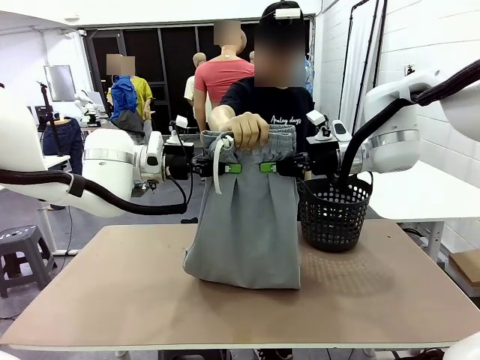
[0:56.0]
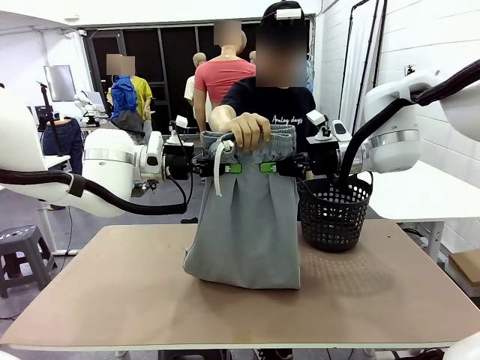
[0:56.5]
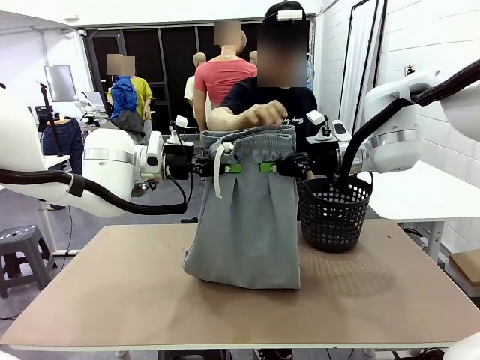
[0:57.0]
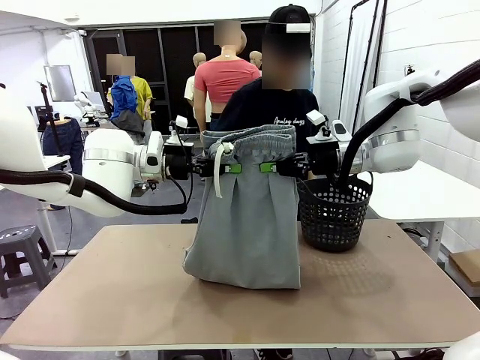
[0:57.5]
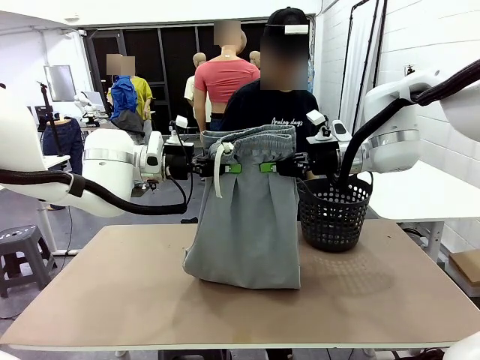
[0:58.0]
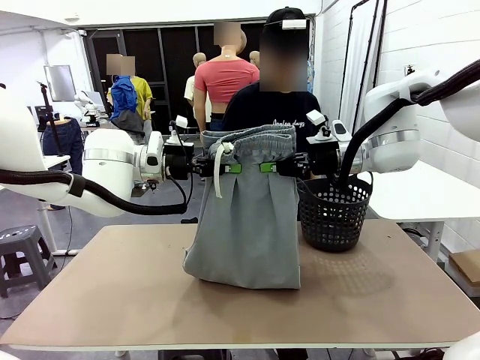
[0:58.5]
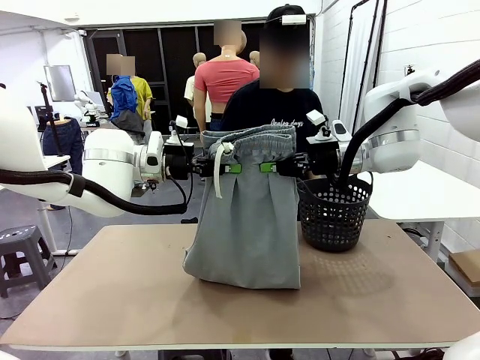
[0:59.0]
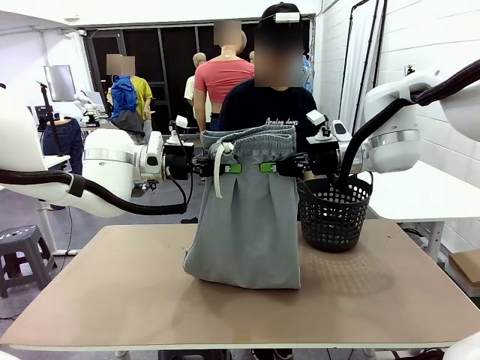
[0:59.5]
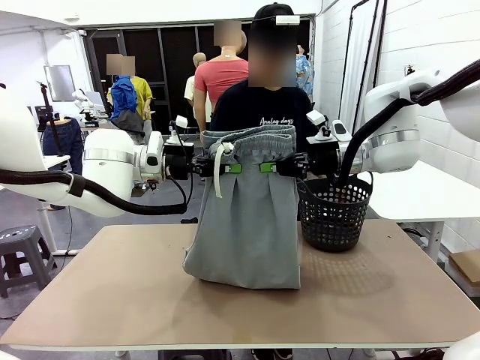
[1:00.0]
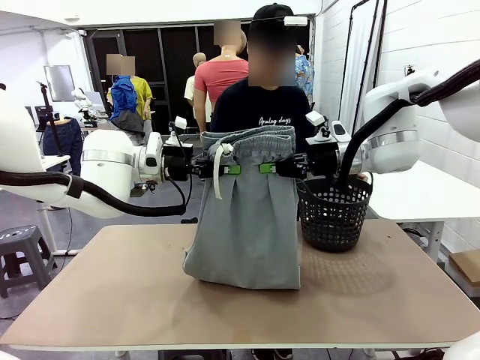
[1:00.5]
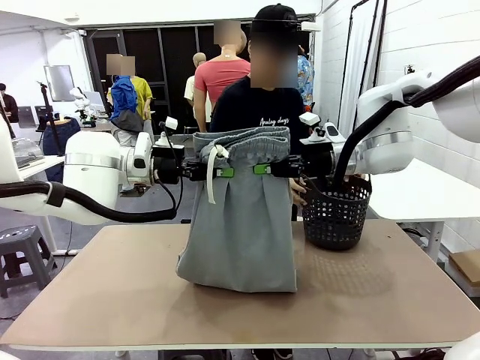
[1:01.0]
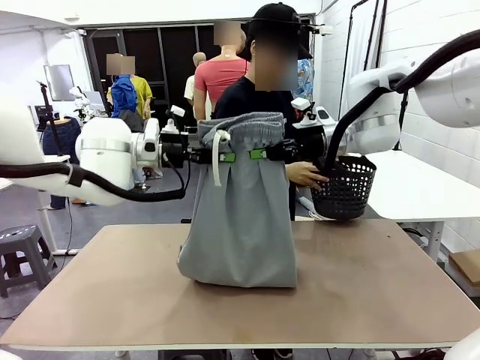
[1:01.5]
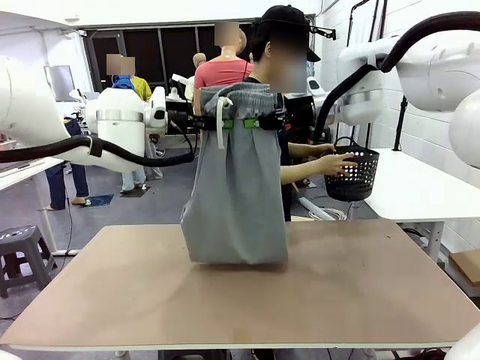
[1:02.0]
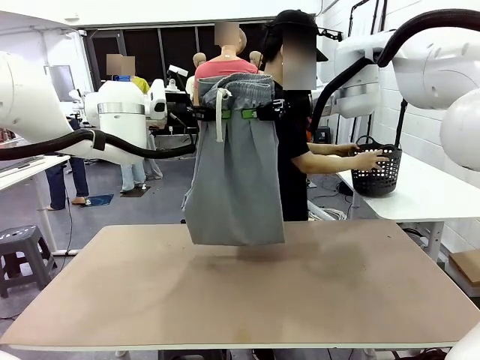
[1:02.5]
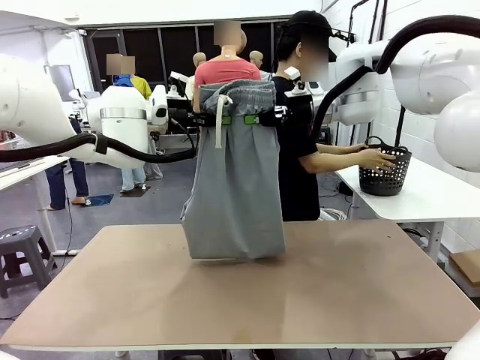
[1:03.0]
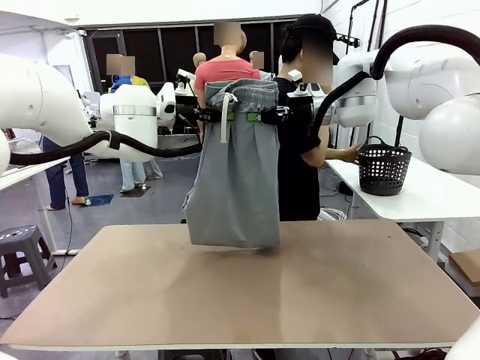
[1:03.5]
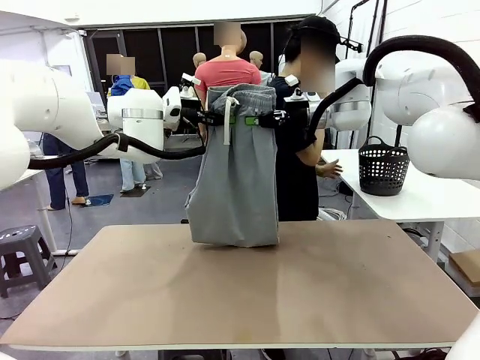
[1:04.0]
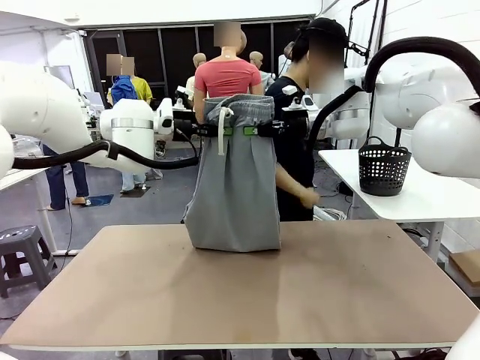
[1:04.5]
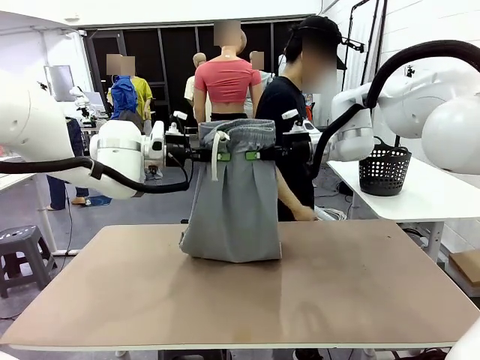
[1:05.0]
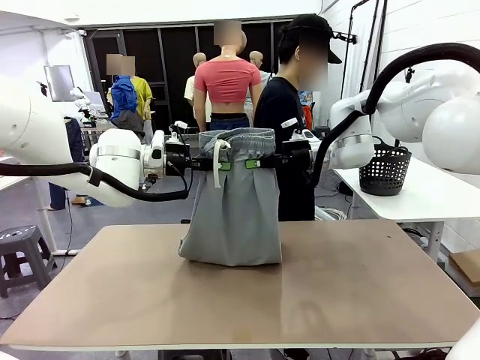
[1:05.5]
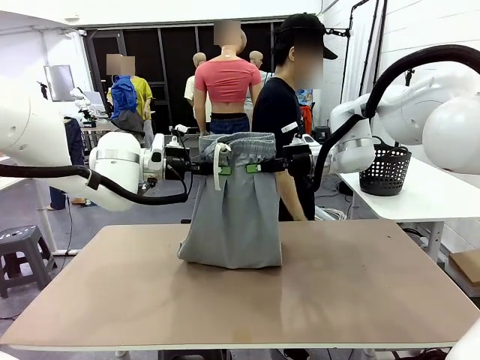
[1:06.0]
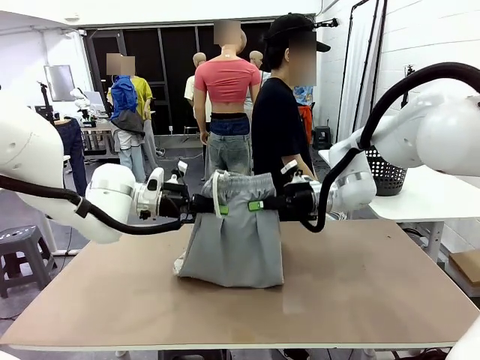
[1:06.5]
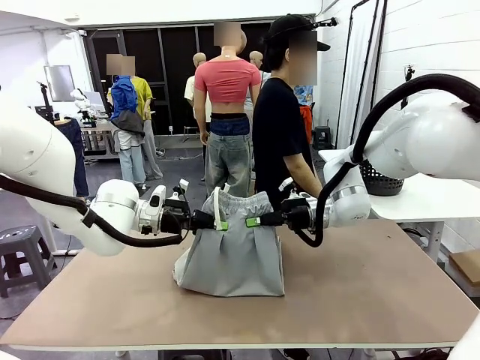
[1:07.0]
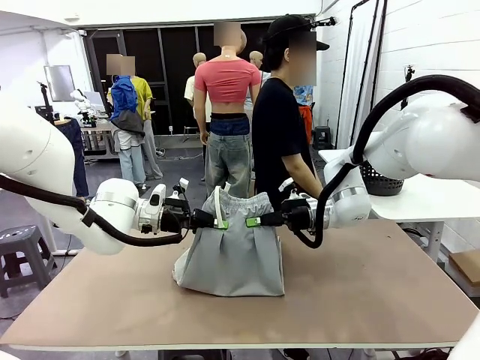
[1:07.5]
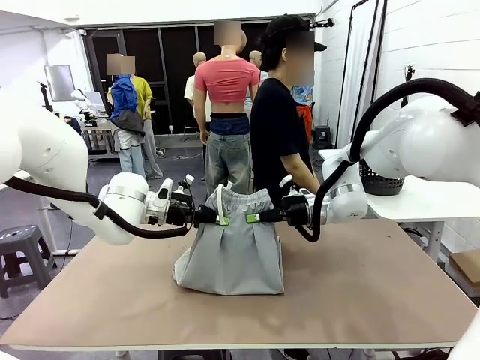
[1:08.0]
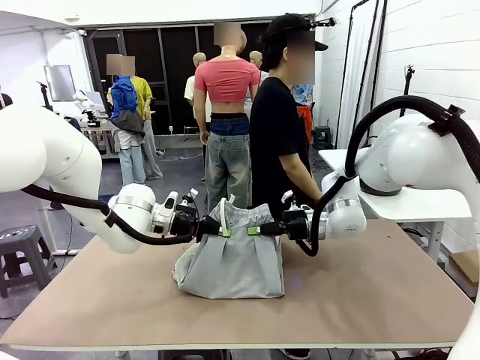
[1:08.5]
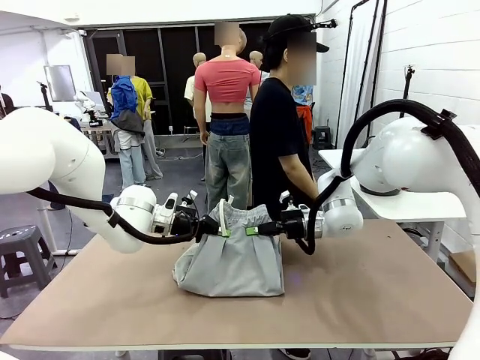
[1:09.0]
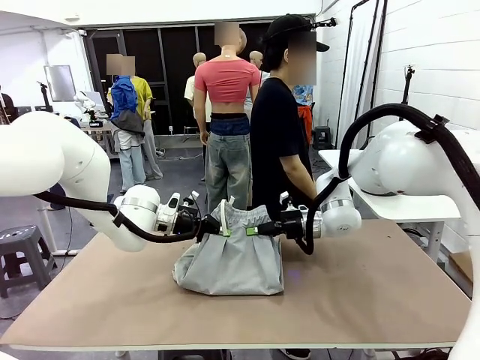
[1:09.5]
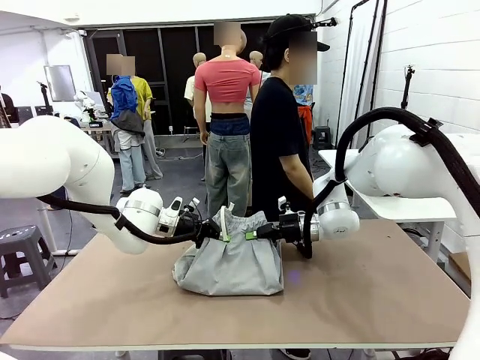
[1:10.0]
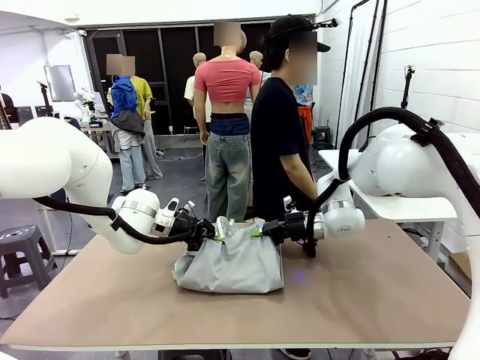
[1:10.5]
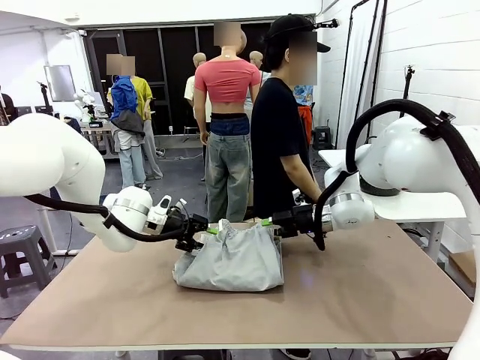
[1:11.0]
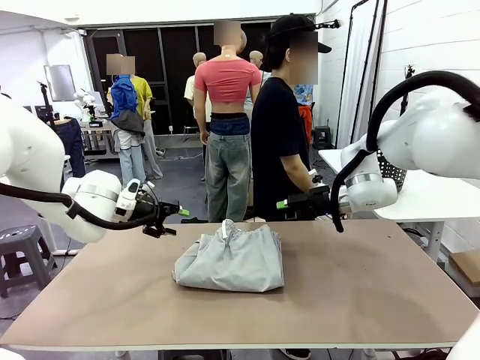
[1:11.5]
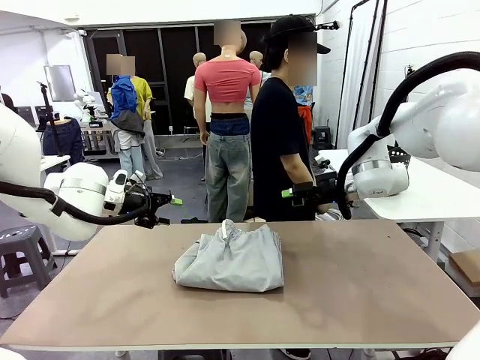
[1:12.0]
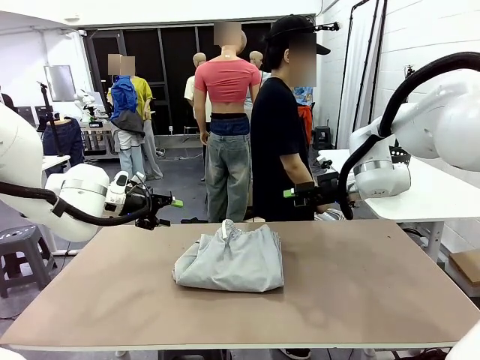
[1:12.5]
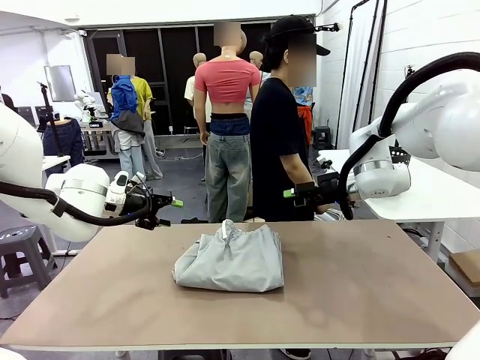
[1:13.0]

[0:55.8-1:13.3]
Task: Fold the training pants.
Robot: Fold the Training pants in half.
Person: Move the laundry basket to the right of the human table.

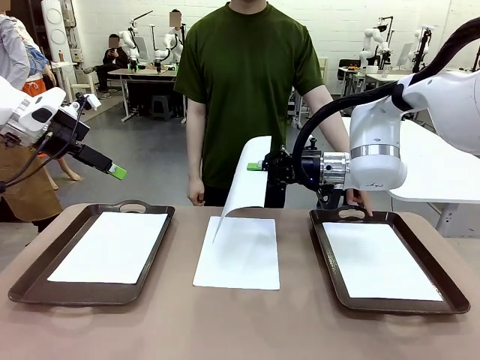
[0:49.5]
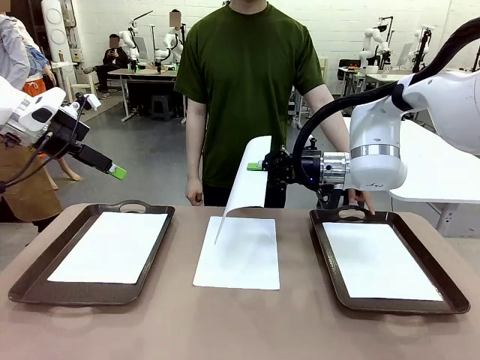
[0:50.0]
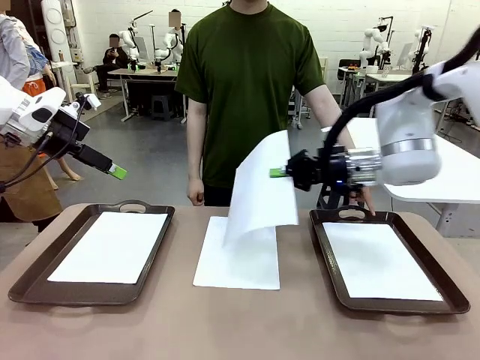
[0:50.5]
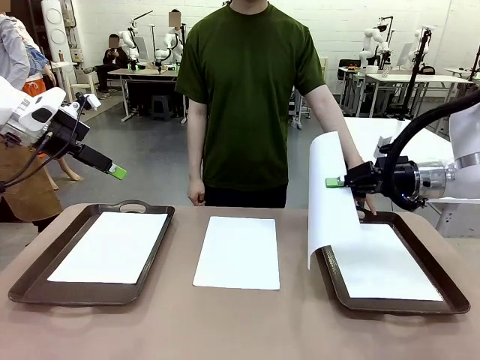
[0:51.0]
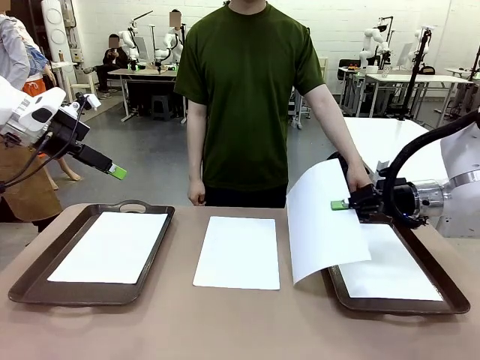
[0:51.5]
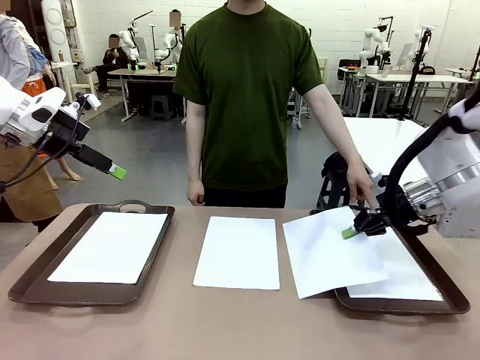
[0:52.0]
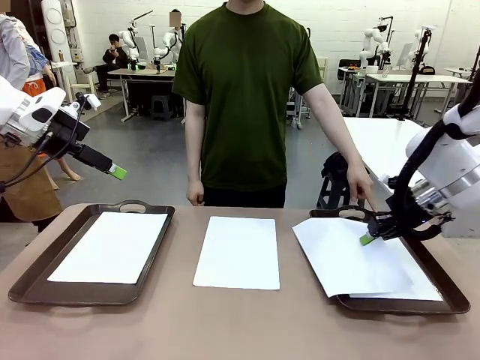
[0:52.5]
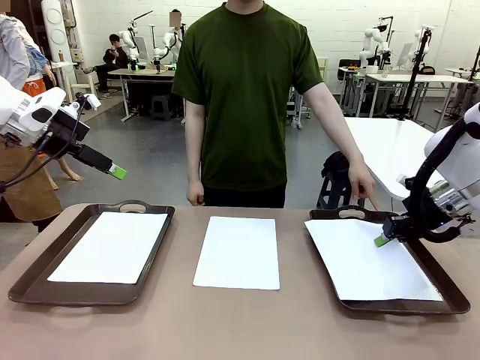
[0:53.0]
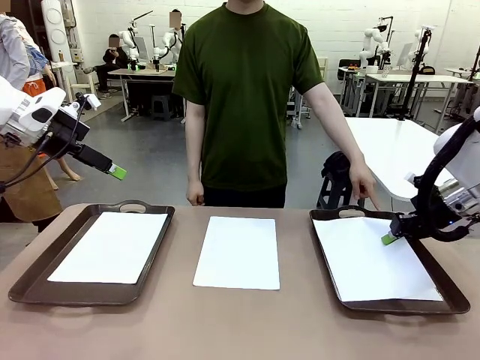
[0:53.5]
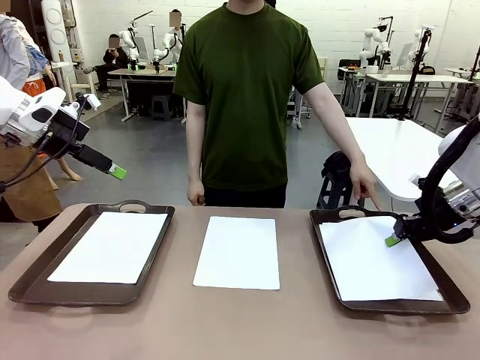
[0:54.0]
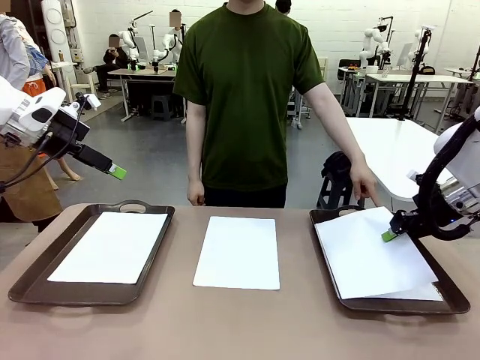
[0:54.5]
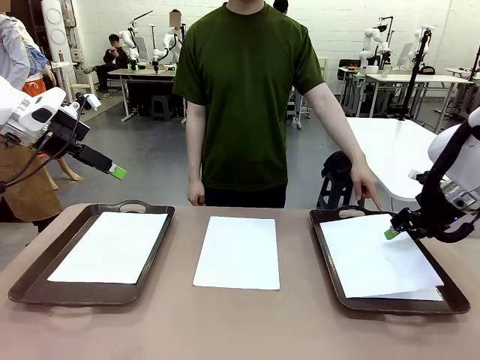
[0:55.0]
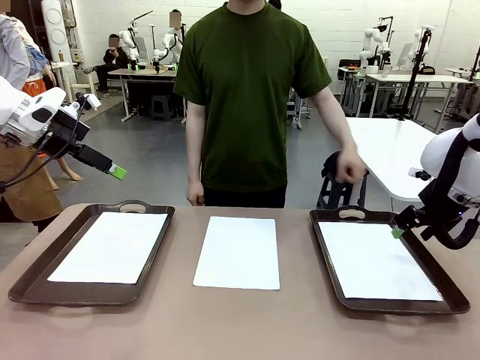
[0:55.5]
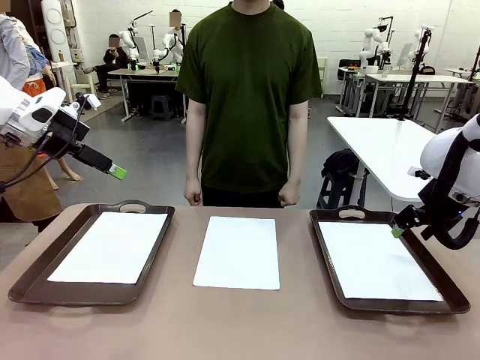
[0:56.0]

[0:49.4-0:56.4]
Task: Sort the A4 documents.
Robot: Place the A4 Paper in the designated Handle tray.
